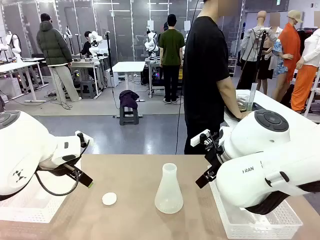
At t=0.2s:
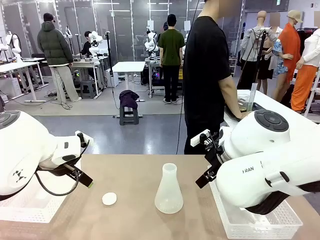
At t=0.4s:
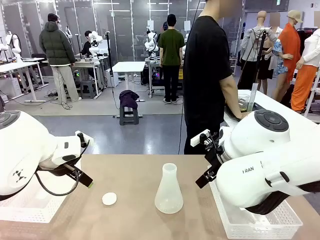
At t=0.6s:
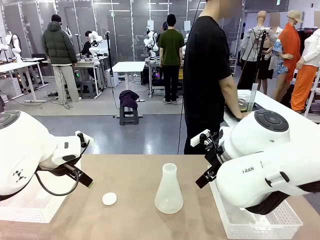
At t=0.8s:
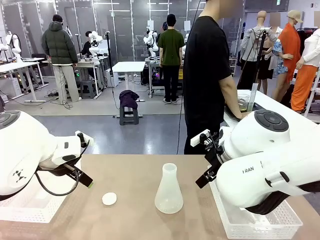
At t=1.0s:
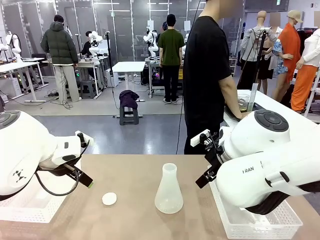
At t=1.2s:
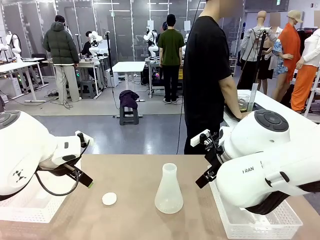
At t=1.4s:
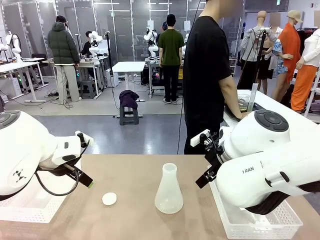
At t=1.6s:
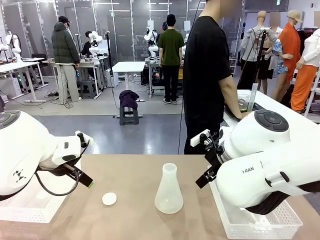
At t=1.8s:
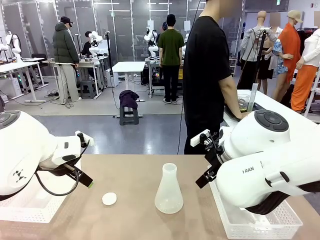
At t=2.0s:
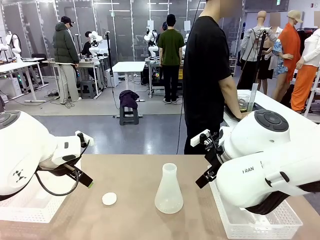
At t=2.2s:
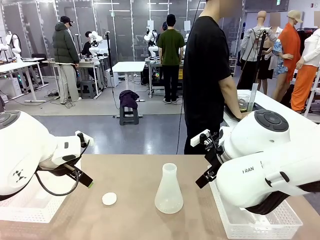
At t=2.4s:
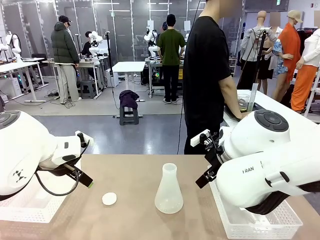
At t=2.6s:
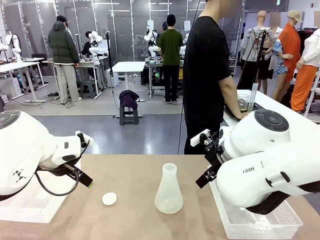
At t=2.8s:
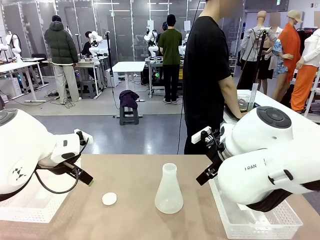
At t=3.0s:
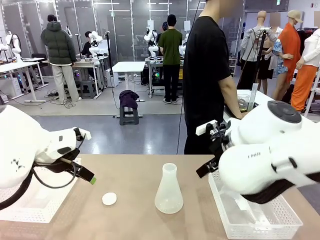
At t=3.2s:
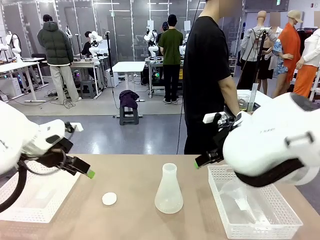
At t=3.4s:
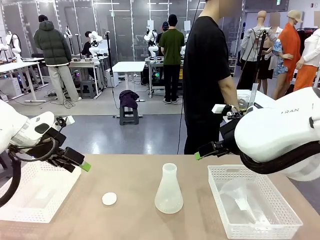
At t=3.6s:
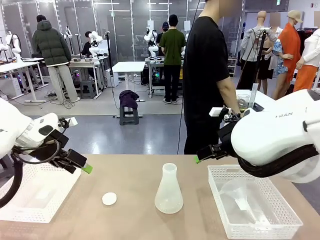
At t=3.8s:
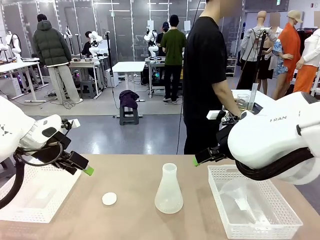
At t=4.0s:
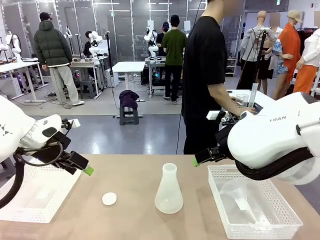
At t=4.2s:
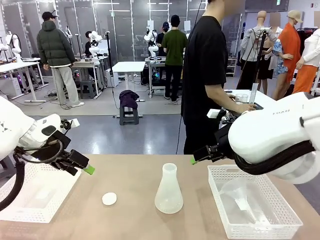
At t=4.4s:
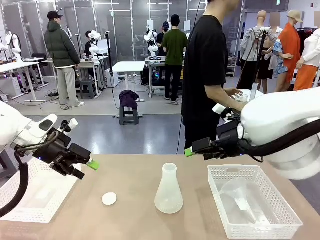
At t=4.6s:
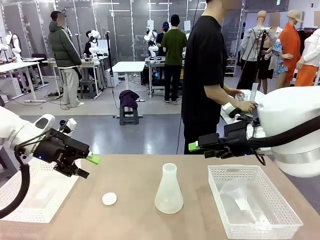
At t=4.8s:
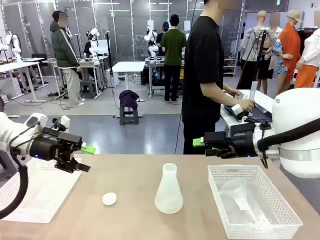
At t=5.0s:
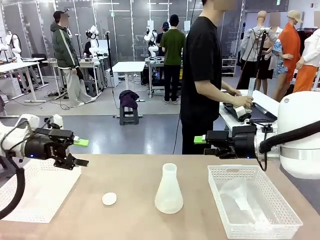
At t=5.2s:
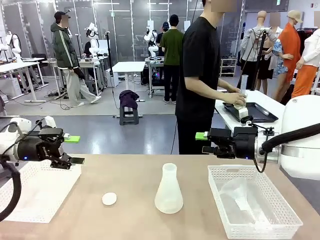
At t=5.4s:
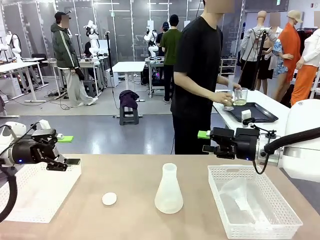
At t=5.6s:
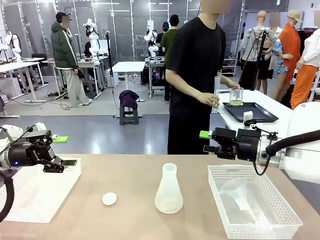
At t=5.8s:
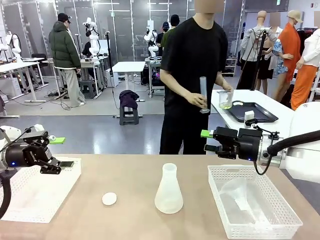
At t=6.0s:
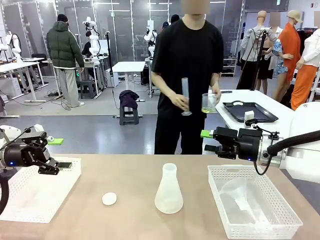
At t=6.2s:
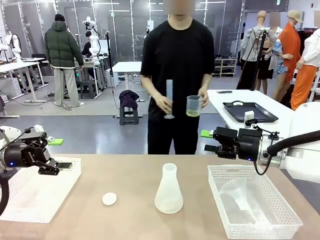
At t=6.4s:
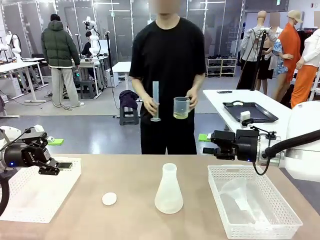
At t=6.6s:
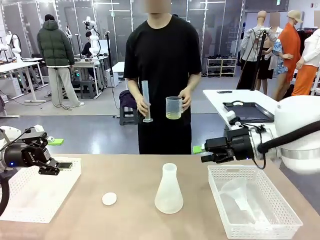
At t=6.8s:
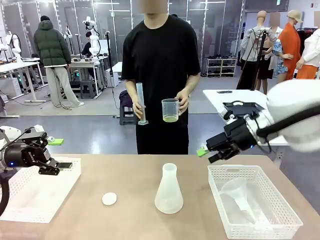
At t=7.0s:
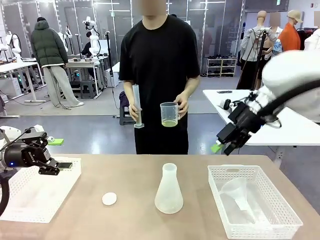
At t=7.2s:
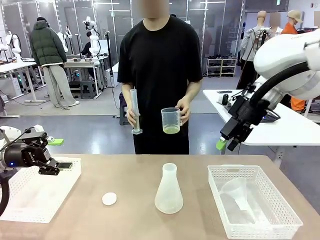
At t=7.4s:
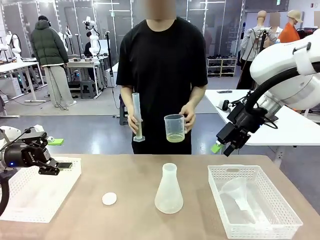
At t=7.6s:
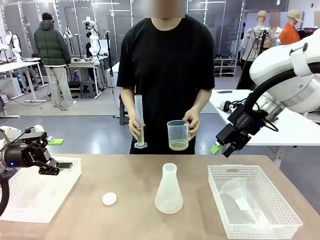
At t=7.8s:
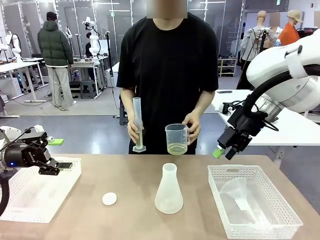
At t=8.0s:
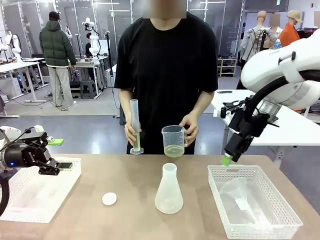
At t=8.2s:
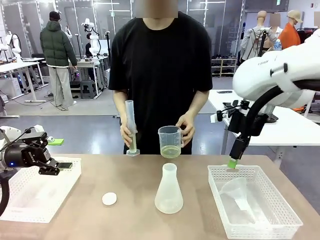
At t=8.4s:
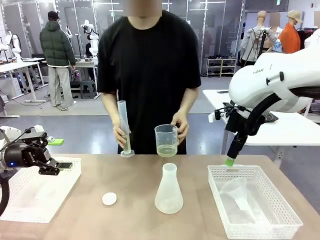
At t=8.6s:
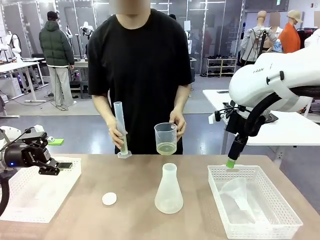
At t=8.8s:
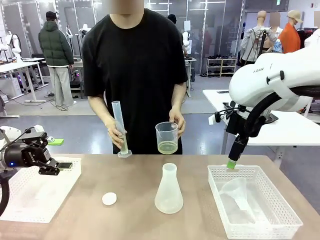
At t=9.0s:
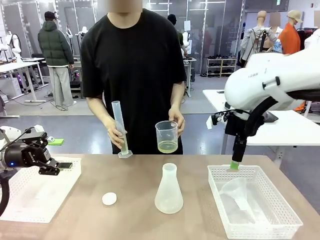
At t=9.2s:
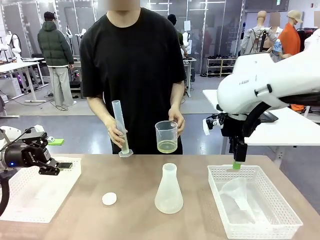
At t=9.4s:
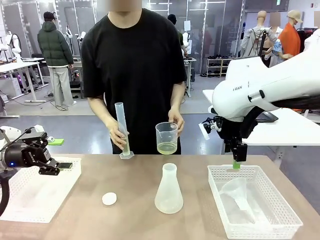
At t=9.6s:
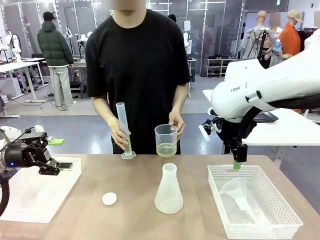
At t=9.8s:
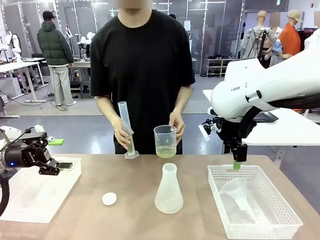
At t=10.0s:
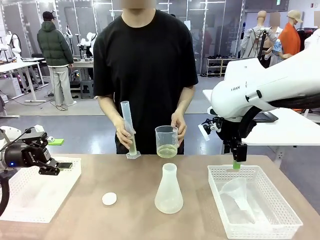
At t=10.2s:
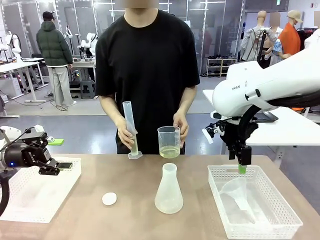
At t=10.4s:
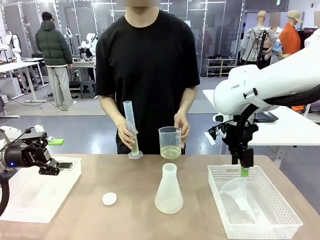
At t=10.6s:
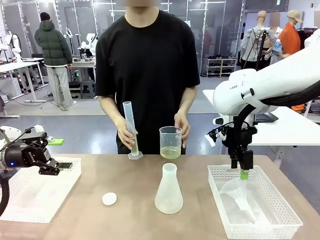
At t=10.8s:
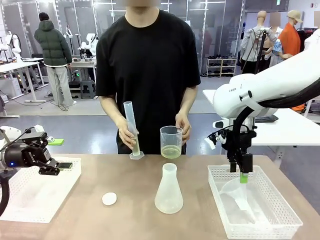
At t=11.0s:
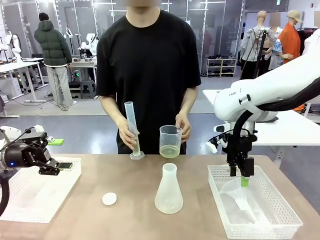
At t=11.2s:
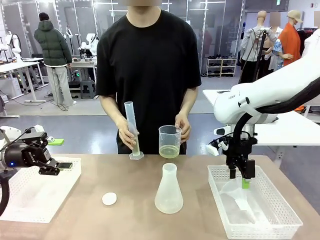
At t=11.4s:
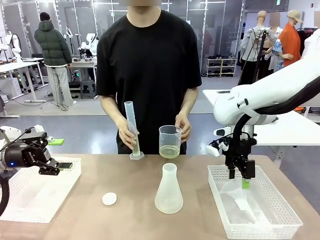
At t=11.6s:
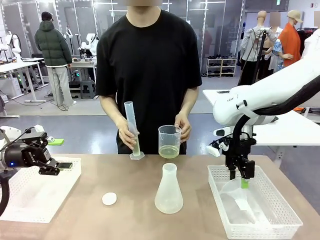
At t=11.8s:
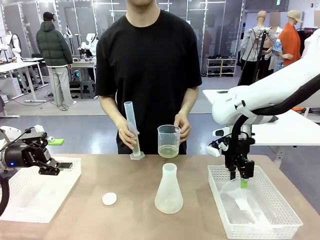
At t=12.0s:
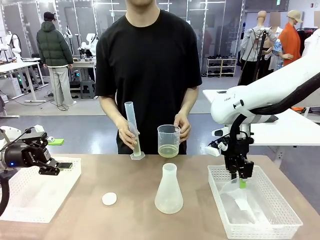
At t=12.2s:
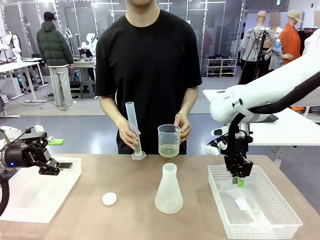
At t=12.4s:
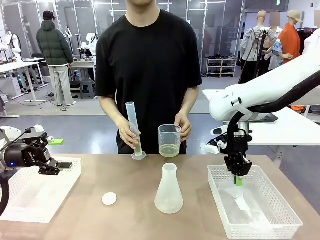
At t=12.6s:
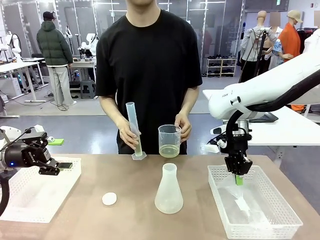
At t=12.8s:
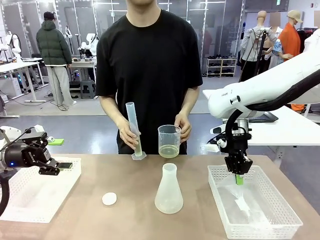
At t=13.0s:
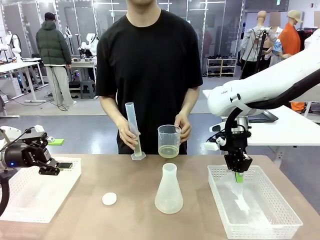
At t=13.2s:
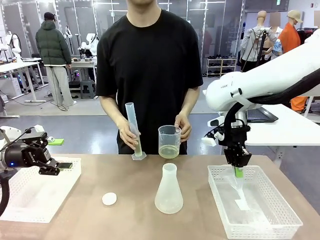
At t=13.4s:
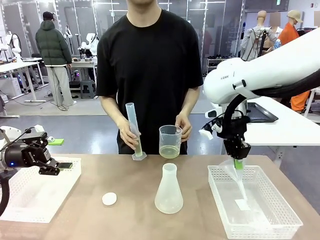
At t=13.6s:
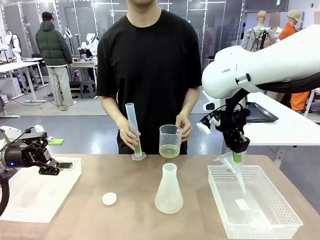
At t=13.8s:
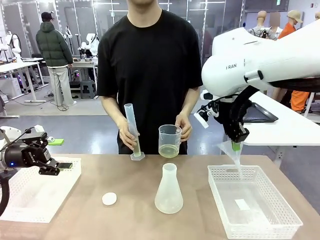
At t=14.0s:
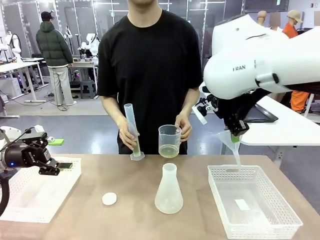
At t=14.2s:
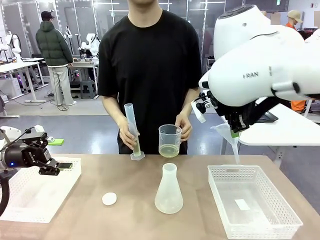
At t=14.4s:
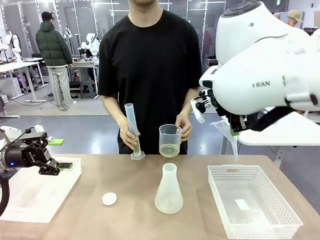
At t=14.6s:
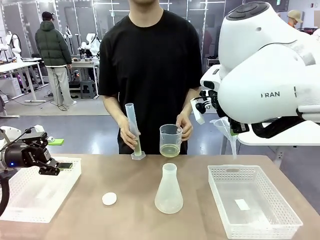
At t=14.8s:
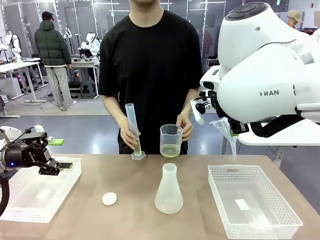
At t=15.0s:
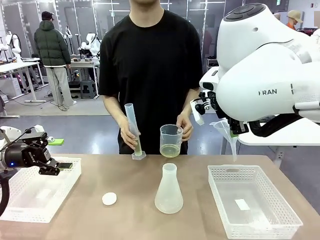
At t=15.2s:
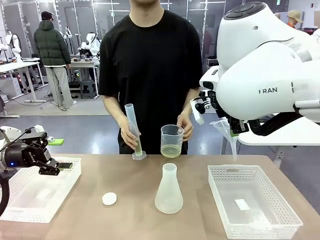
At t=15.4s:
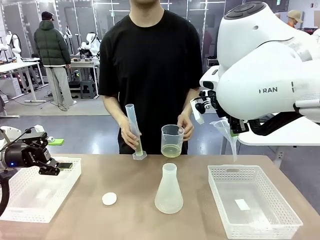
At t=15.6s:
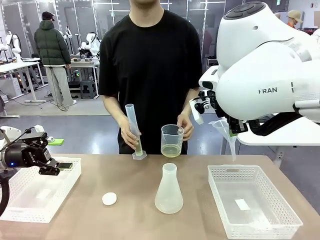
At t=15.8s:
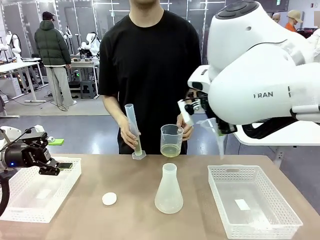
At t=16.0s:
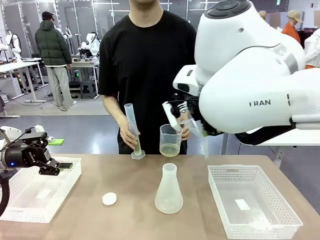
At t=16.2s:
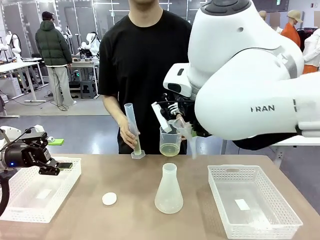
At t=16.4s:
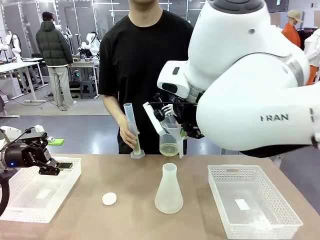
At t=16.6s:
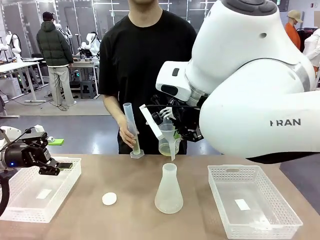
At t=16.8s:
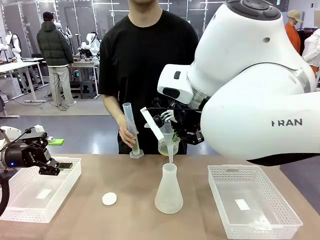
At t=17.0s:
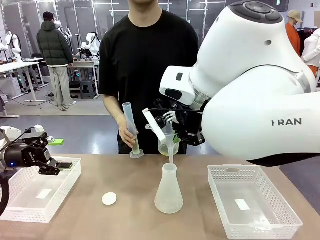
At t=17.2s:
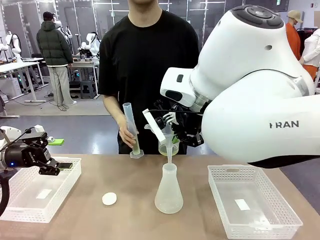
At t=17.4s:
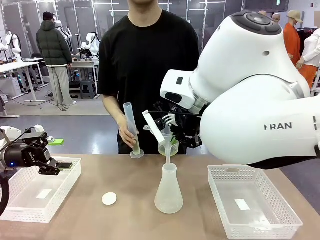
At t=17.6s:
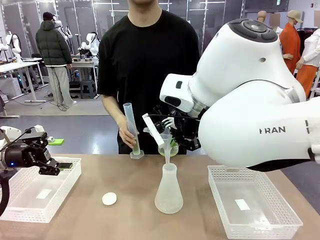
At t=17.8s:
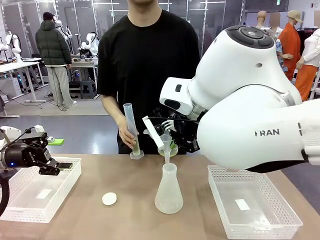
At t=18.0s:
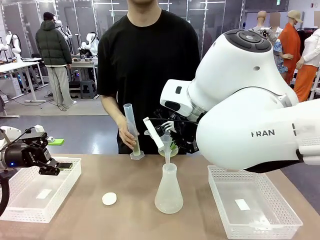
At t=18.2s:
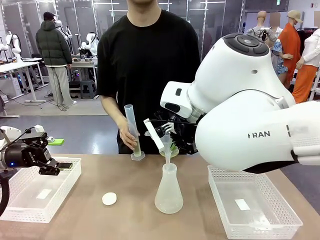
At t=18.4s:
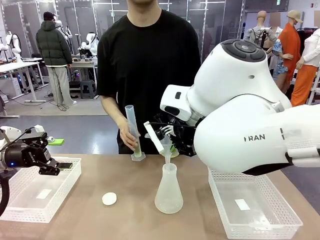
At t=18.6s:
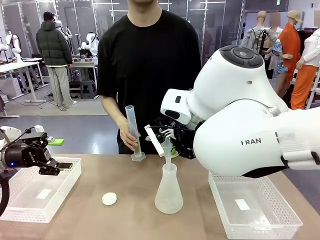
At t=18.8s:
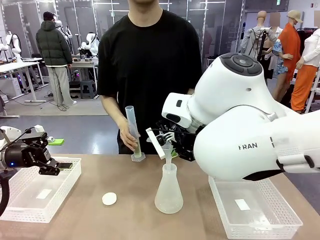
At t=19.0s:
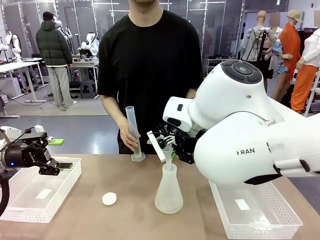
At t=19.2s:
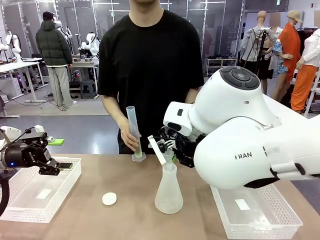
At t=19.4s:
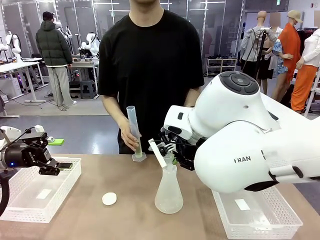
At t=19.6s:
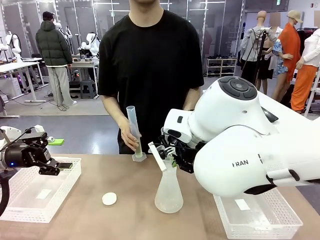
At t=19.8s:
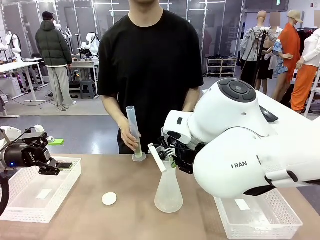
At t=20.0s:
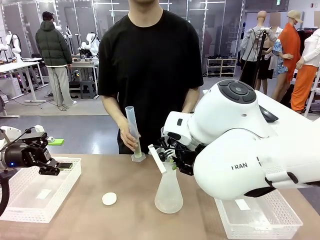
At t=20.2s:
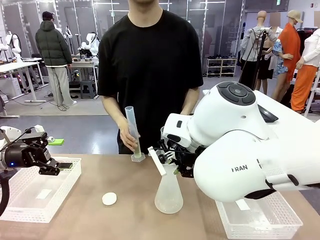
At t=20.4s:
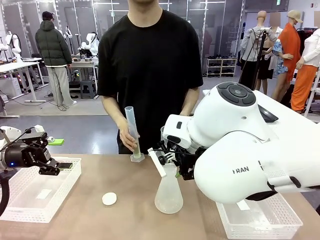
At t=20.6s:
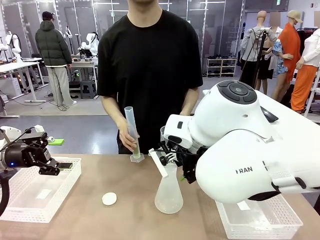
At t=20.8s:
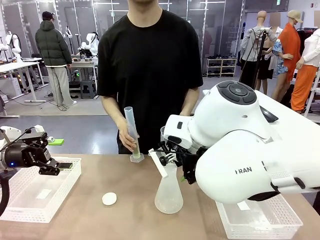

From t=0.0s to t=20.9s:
Task: Prepare the solutions needed for the experiment.
Robot: Pick up the Plastic Funnel and insert it into the Big flask.
Person: Pick up the beaker and the cylinder and move to the middle of the robot table. Pour the solution from the beaker and the cylinder into the flask.
